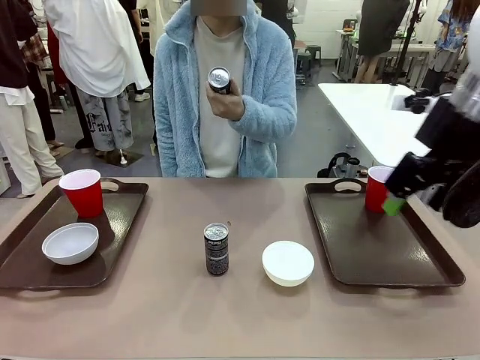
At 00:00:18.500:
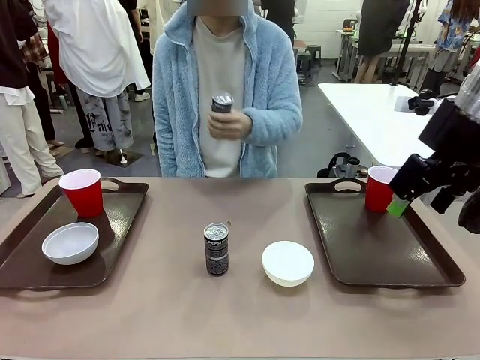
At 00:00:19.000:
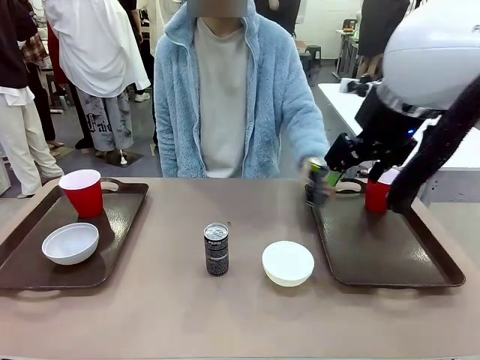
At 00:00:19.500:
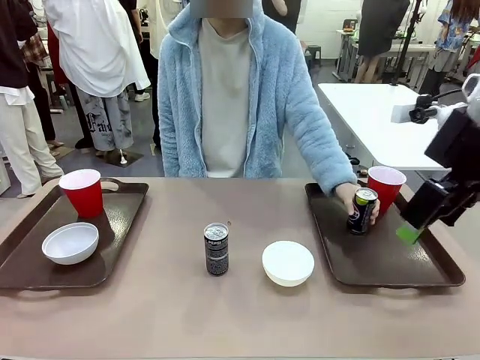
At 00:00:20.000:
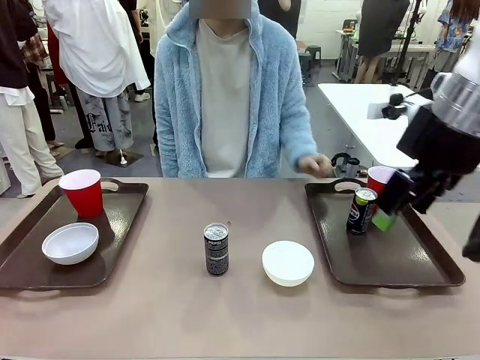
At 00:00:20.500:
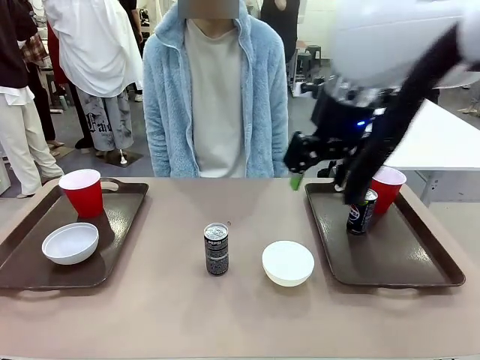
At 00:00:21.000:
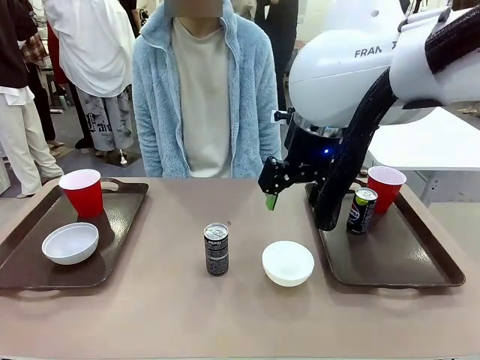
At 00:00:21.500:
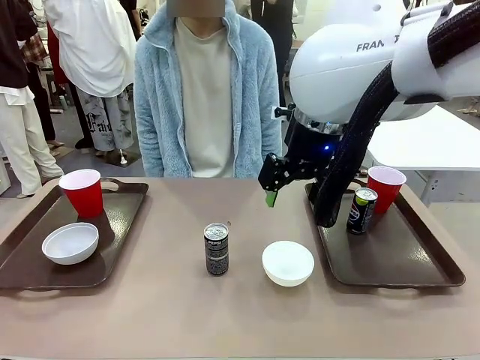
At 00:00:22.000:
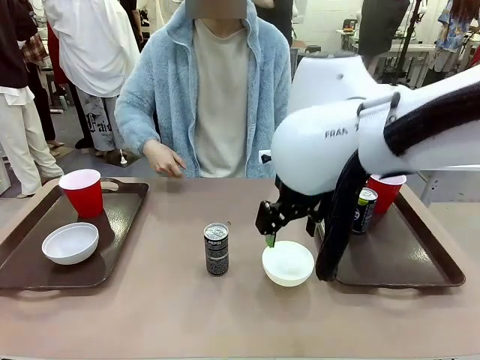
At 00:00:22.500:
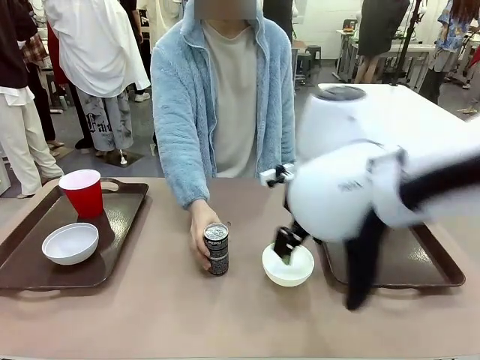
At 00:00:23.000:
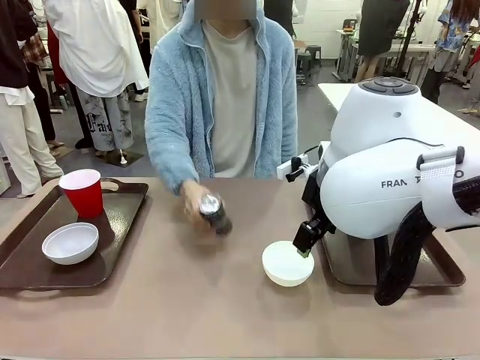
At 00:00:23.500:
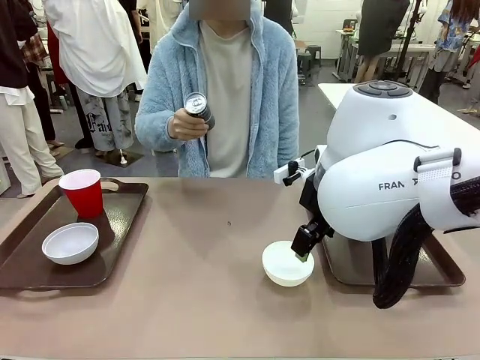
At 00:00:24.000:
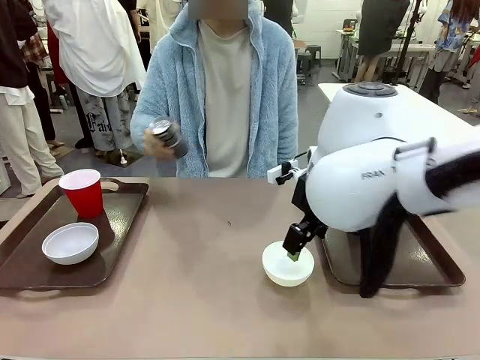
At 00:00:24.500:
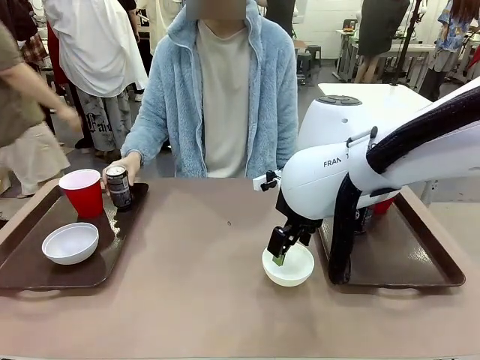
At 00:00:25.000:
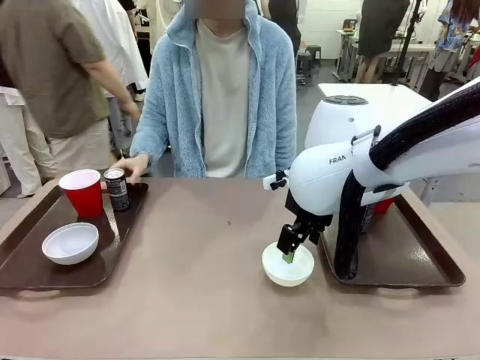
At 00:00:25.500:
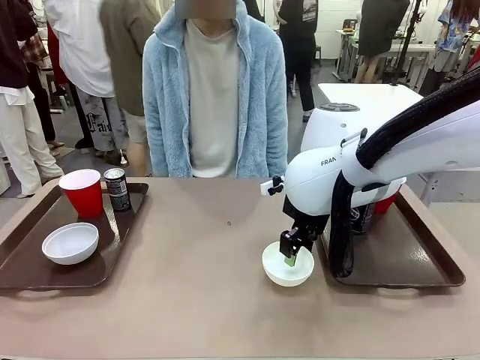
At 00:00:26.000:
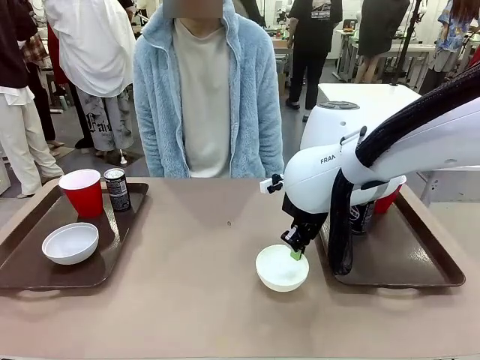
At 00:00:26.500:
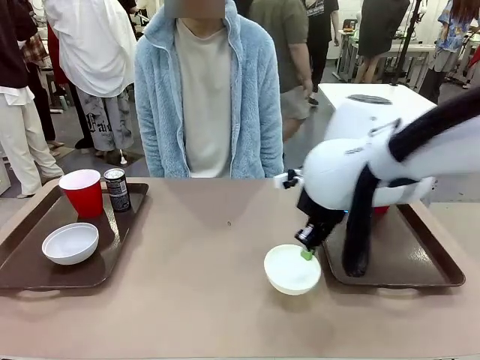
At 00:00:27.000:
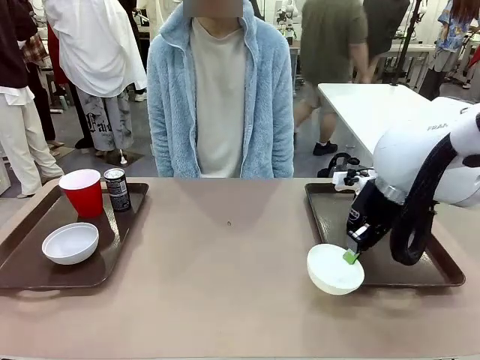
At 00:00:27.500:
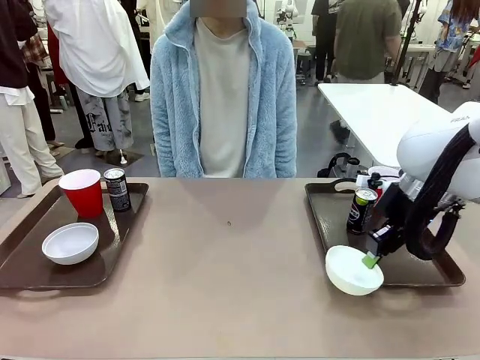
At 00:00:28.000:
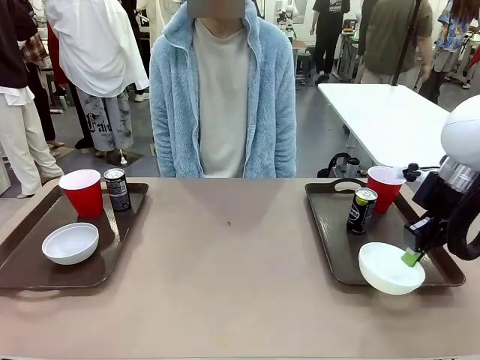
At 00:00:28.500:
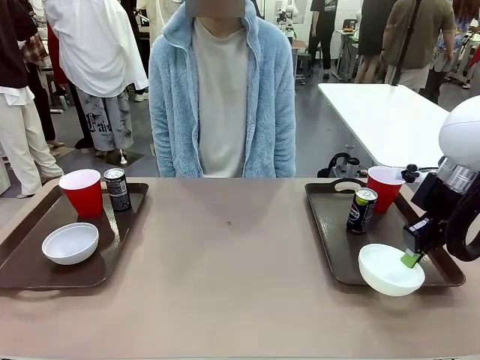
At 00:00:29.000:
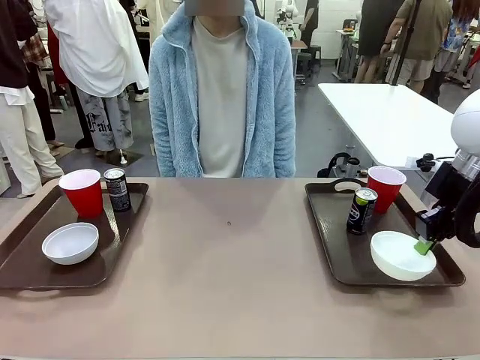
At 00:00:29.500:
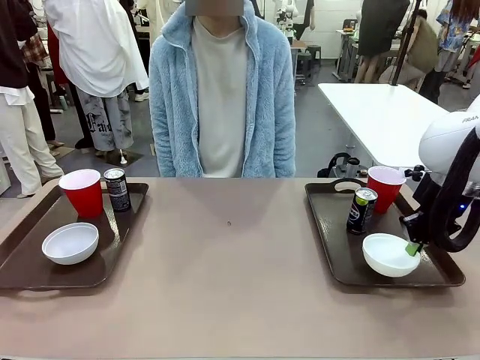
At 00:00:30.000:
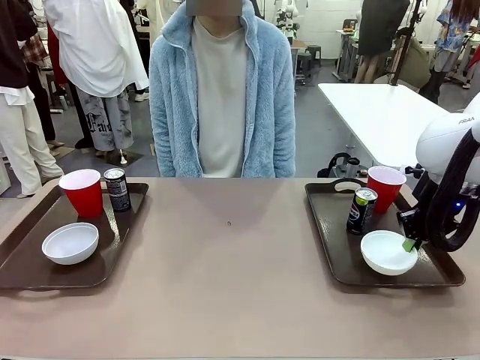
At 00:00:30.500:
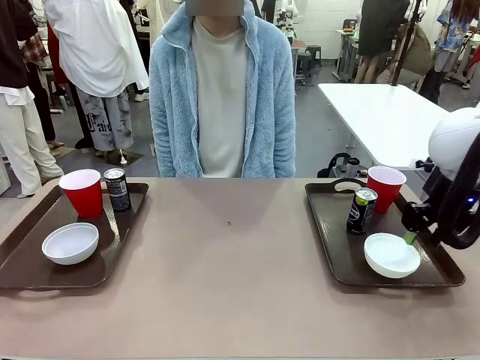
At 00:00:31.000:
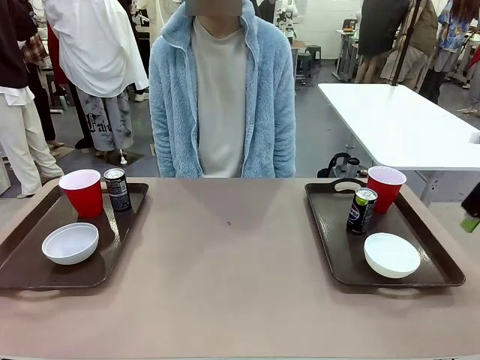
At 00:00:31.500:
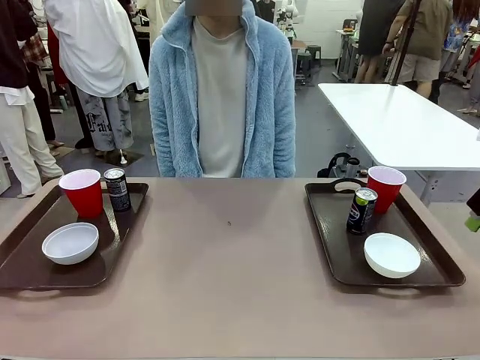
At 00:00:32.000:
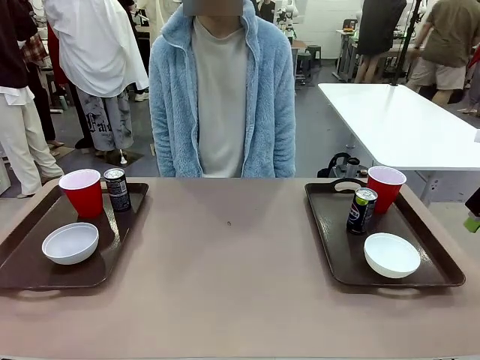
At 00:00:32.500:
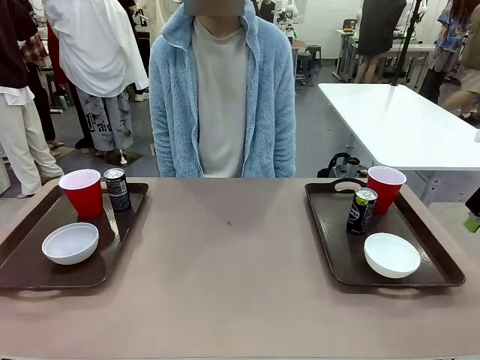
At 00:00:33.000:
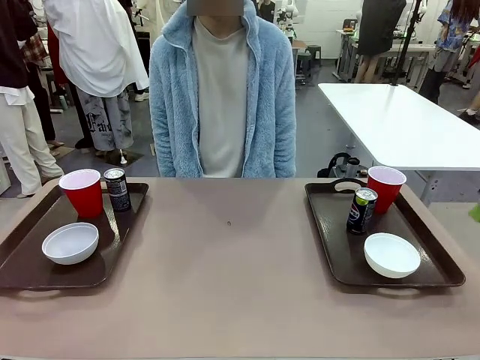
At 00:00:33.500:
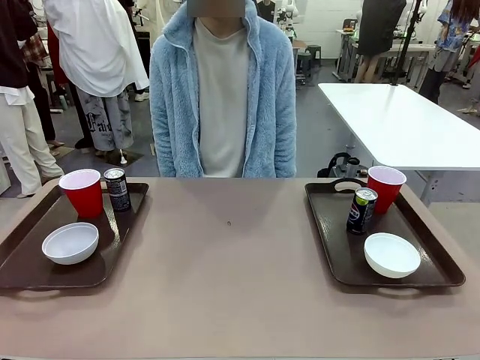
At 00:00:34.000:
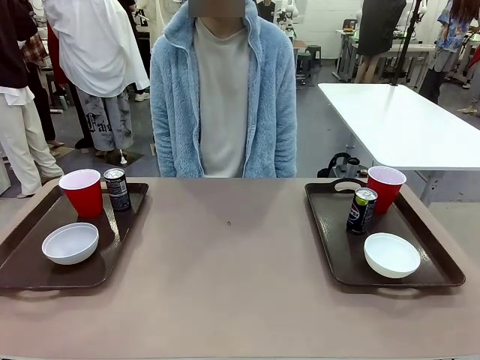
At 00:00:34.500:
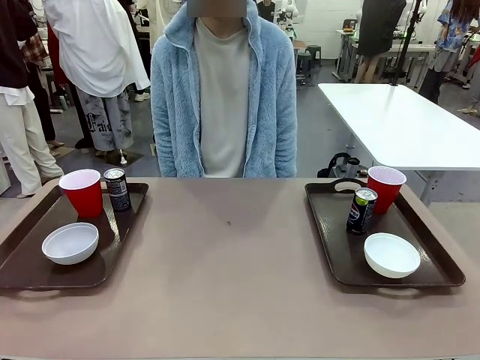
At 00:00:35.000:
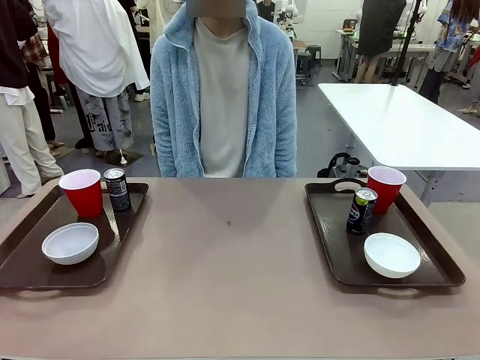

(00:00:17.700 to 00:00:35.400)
Task: Prepare tableware on both trays.
Robot: Pick up a Picnic Bowl from the table and place it on a Handle tray.
Person: Pick up a can or cup and place it on the tray without a can or cup.

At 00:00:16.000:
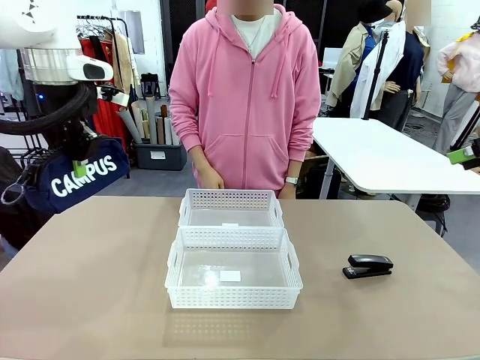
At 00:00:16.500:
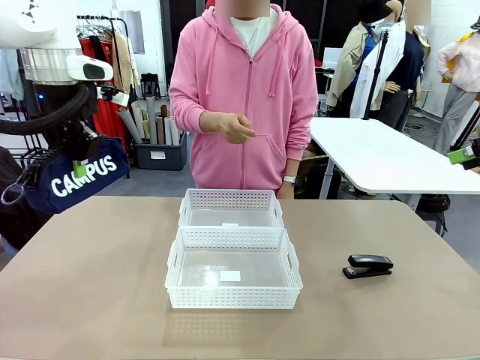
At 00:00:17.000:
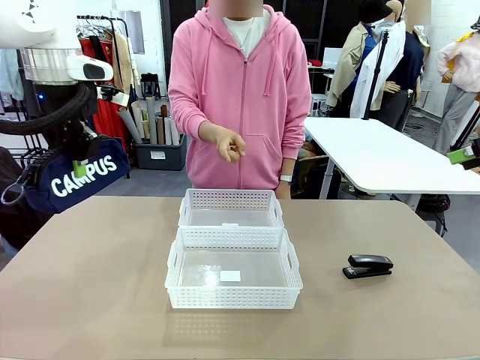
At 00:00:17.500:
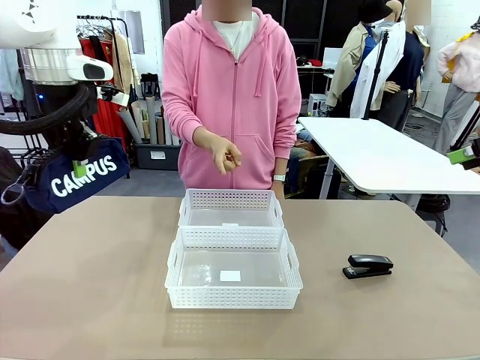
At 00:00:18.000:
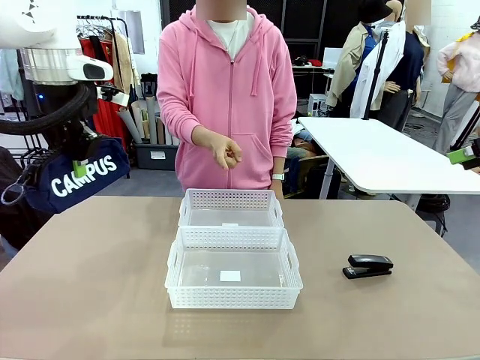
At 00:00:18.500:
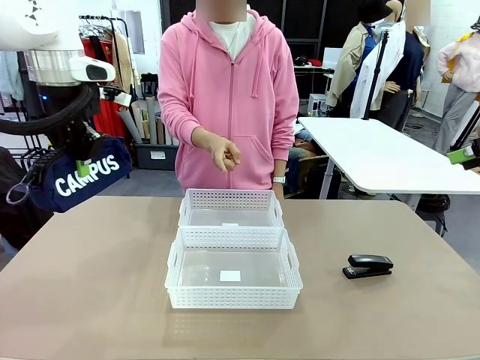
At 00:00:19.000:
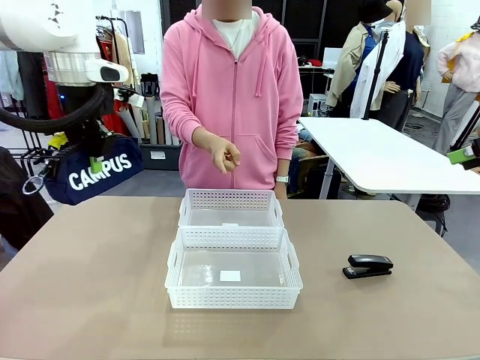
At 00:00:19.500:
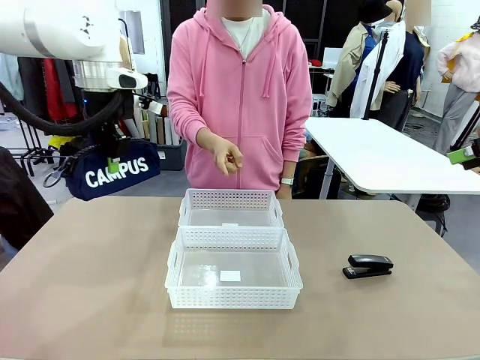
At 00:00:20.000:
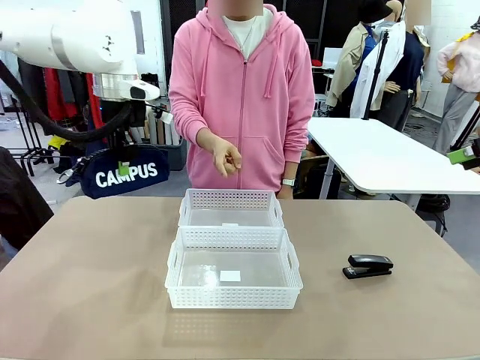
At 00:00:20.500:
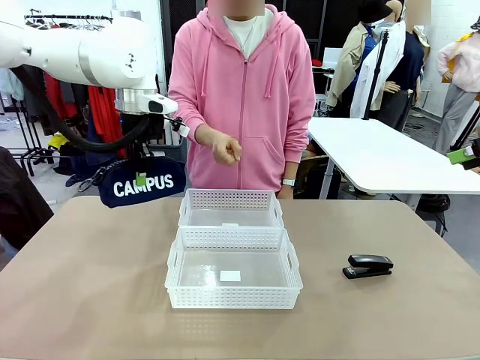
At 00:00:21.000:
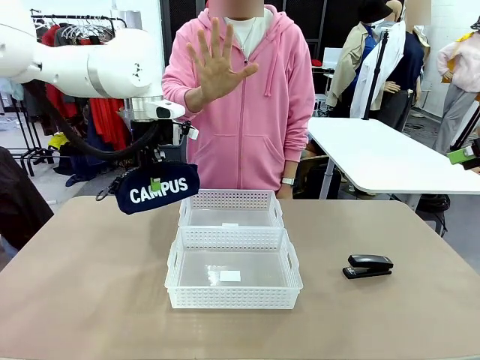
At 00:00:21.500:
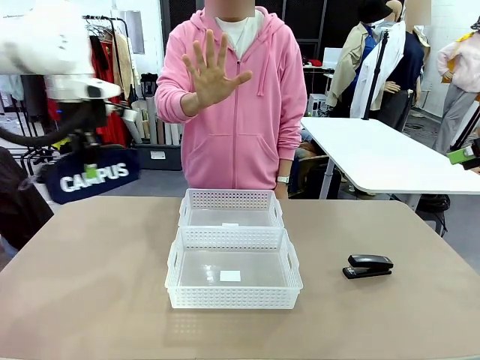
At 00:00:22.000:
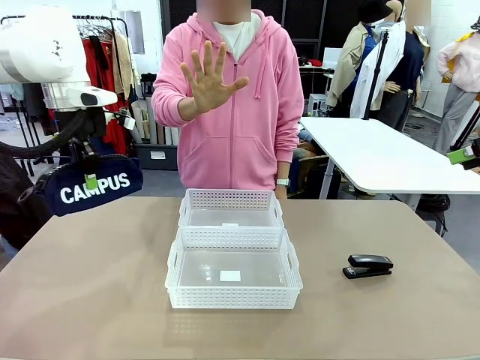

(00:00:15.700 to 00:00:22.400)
Task: Distribute items into two baskets.
Robot: Move the picked Pencil pouch towards the Organizing basket indicated by the person, stopping as directed.
Person: Sends a stop gesture before the robot places the pencil case into the basket.
